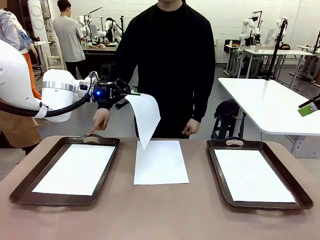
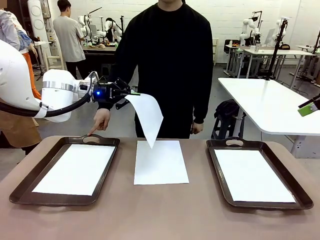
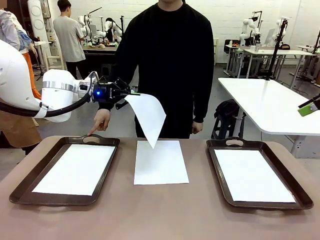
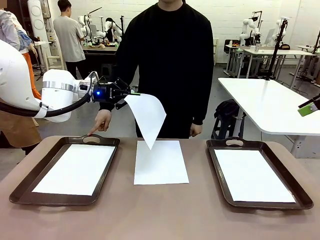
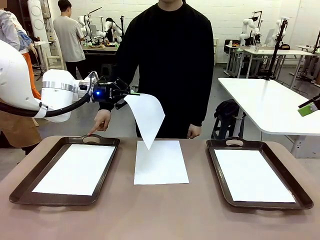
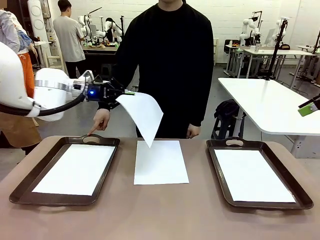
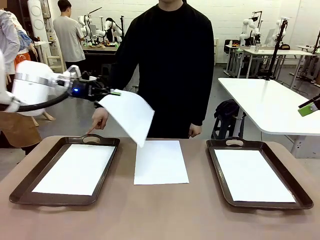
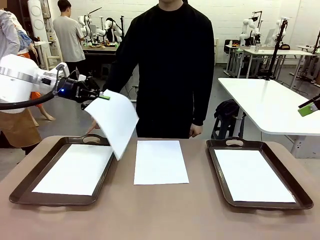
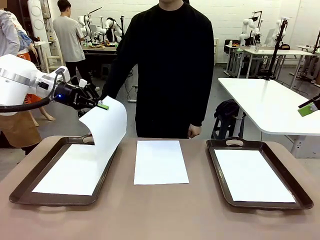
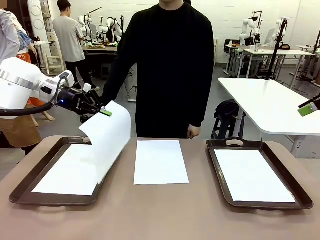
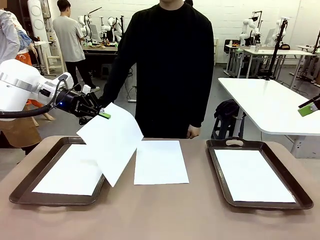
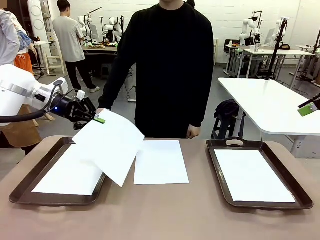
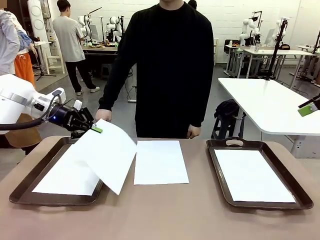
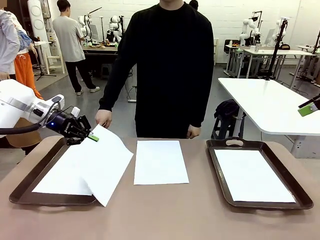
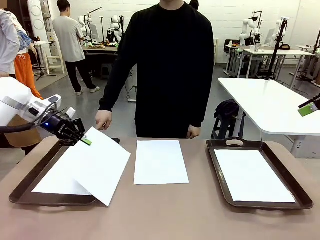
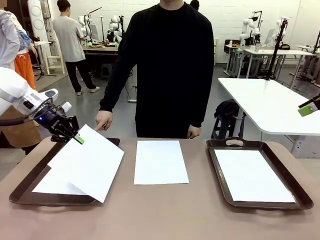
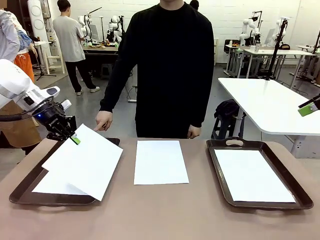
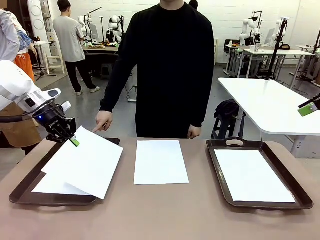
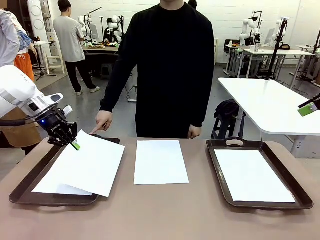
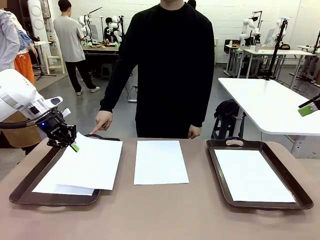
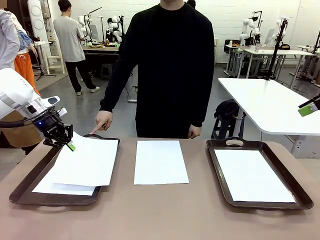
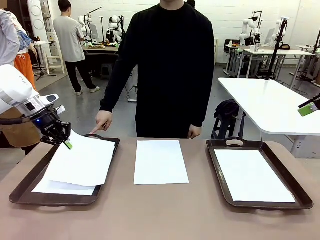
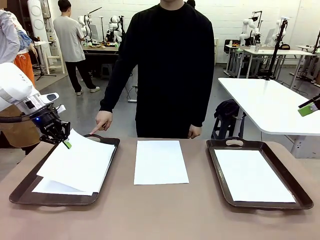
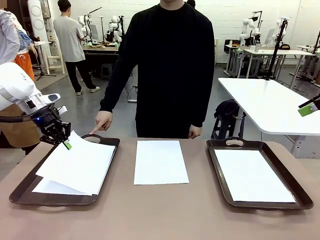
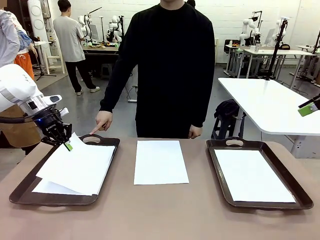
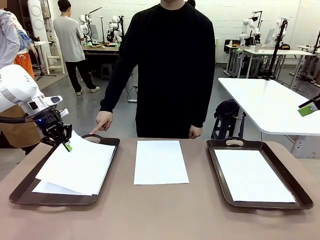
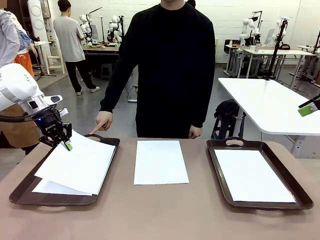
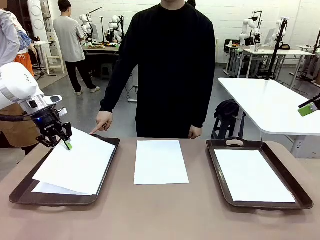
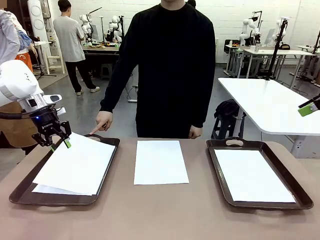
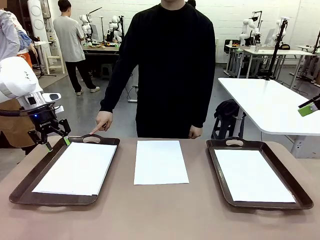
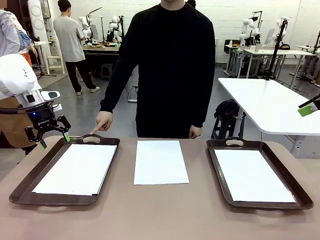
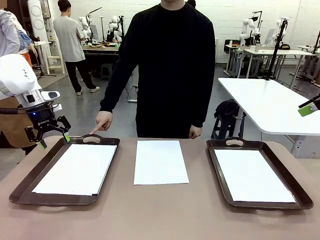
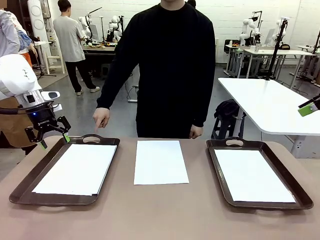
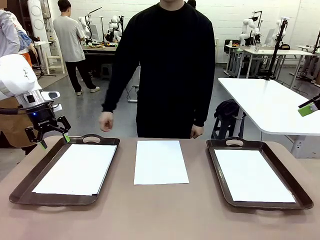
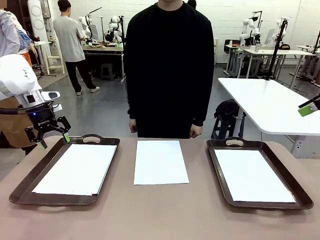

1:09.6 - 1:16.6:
Task: Sort the A4 documents.
Robot: Place the A4 Paper in the designated Handle tray.

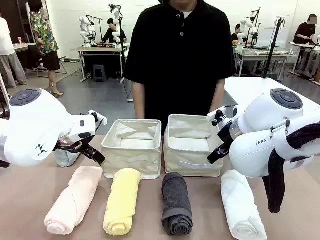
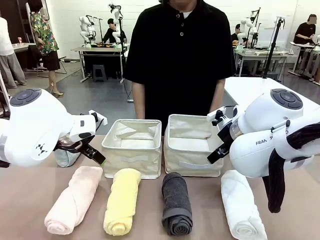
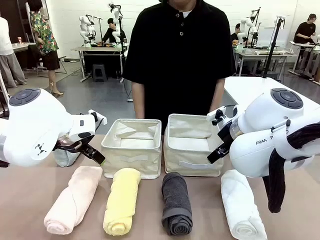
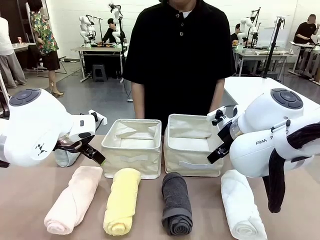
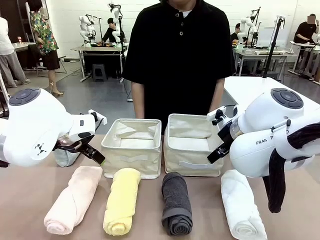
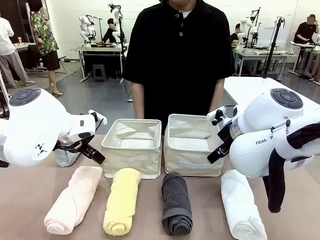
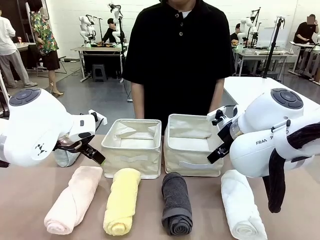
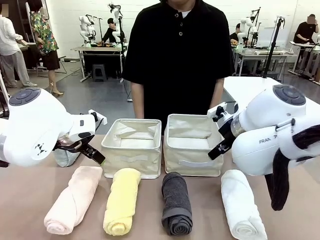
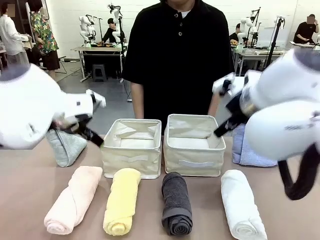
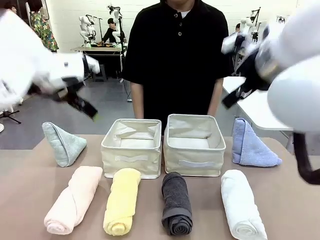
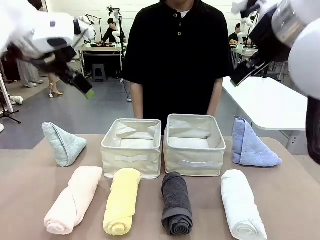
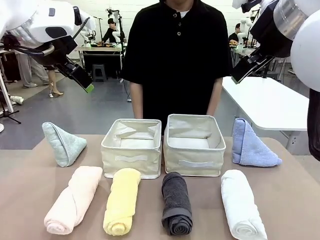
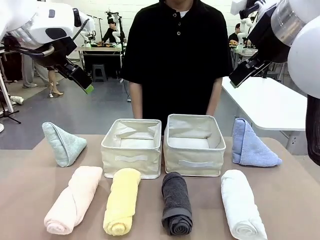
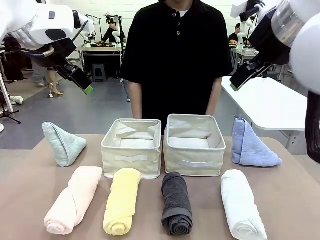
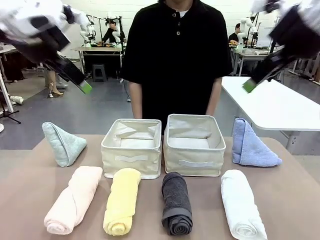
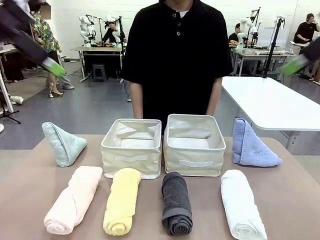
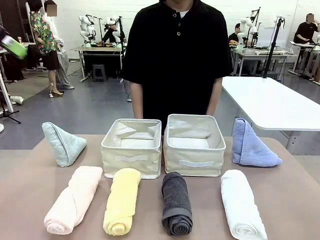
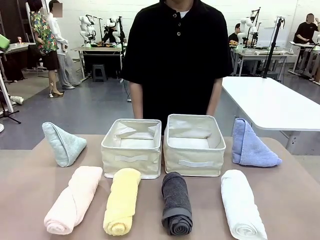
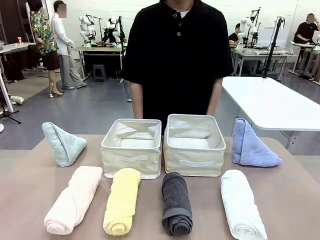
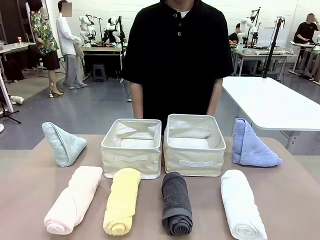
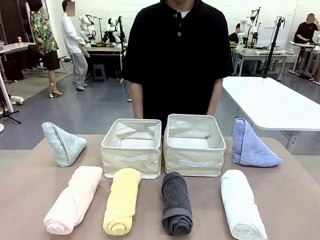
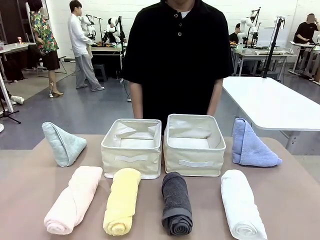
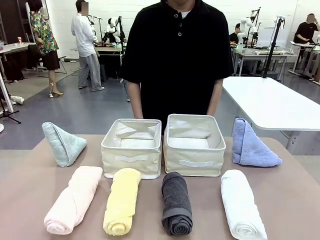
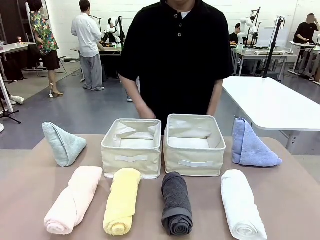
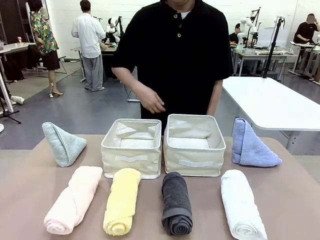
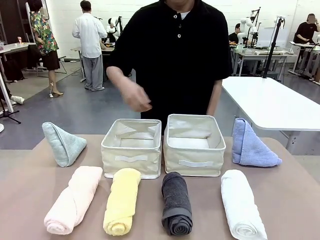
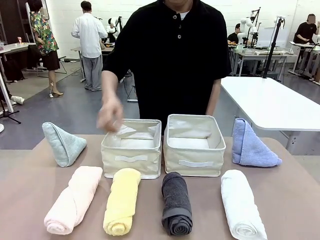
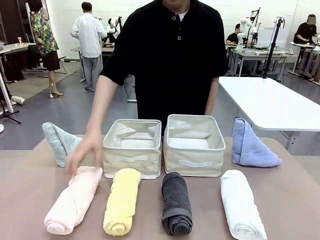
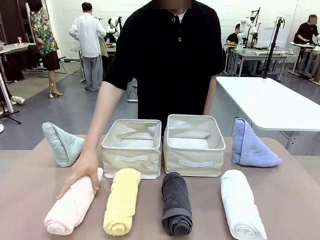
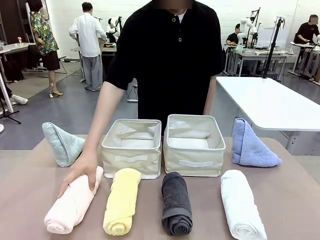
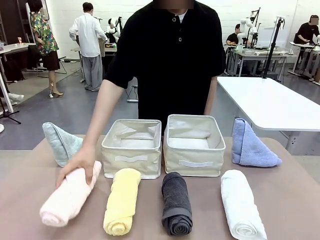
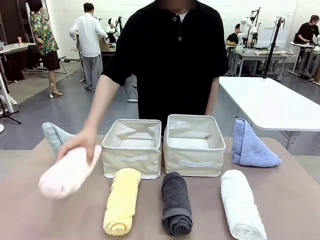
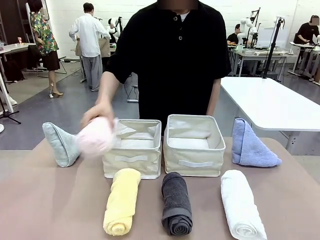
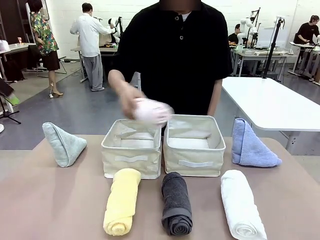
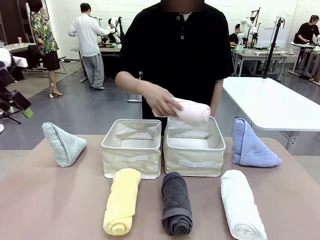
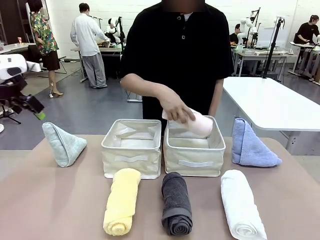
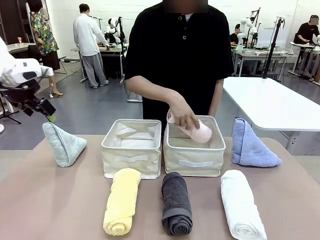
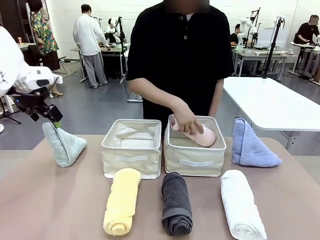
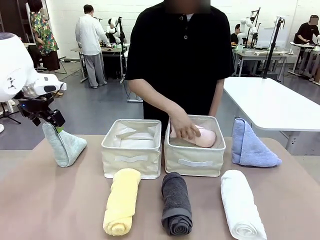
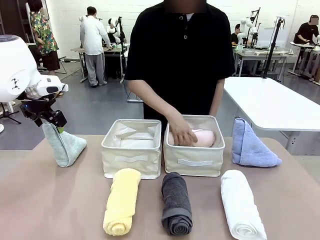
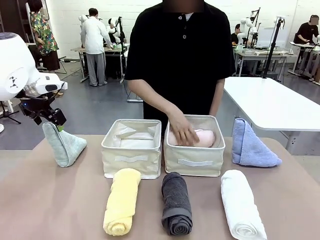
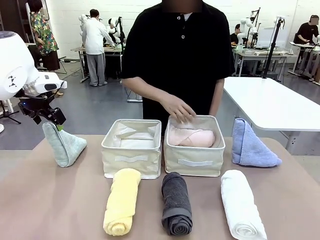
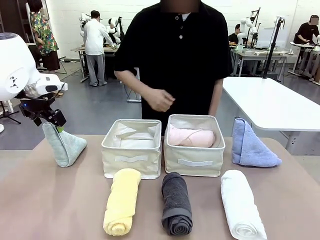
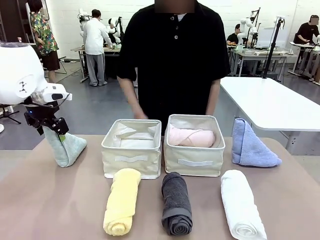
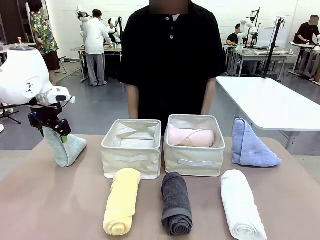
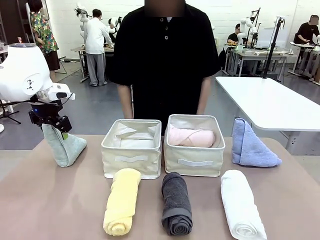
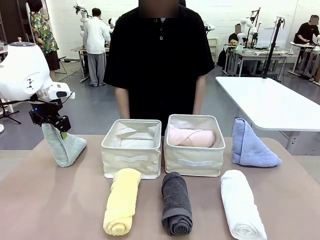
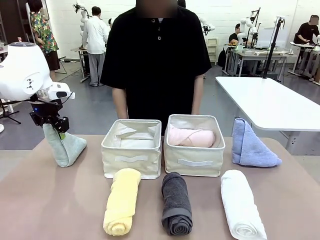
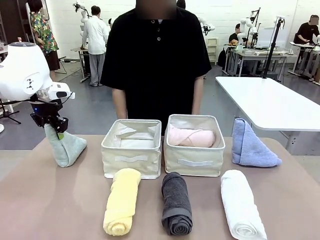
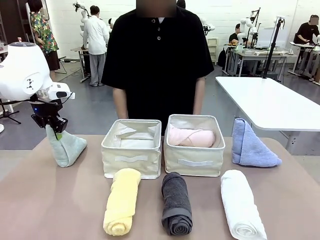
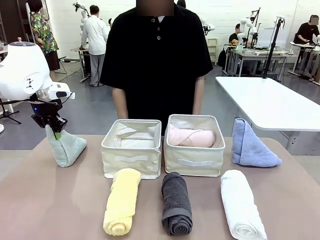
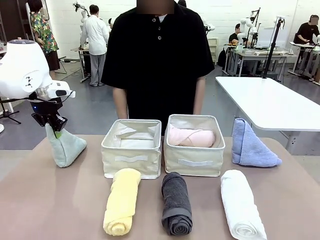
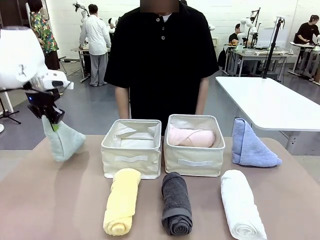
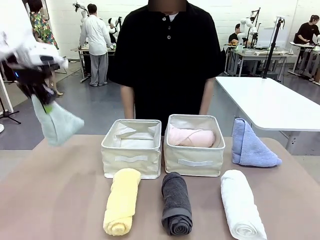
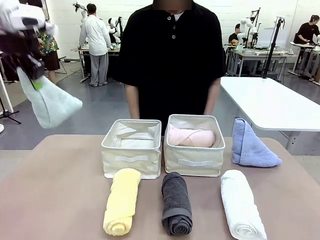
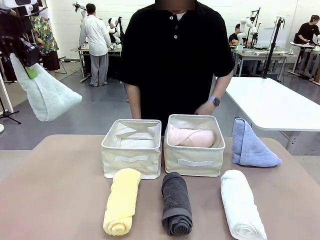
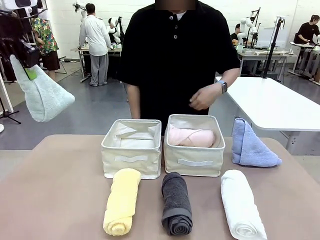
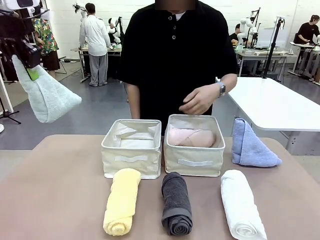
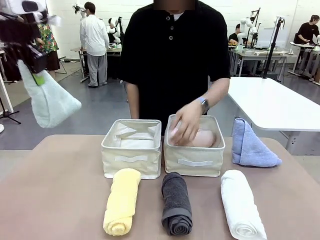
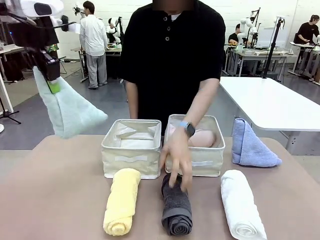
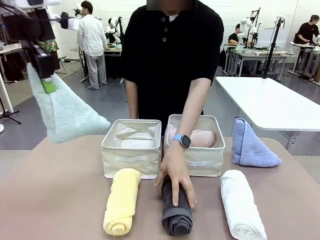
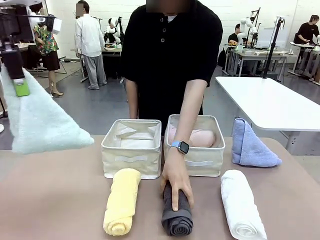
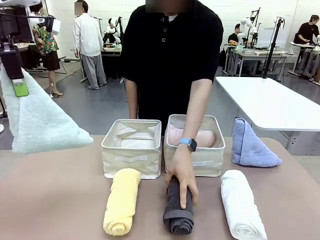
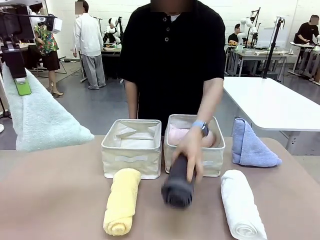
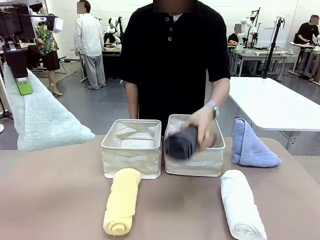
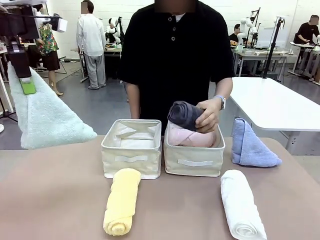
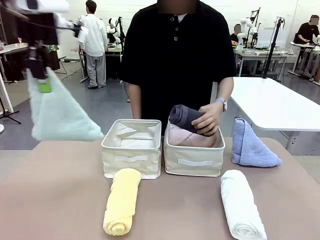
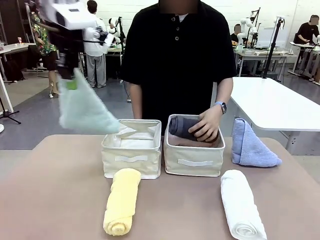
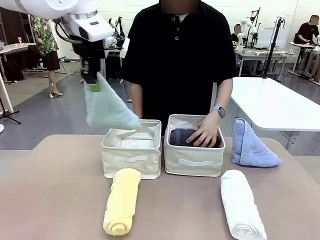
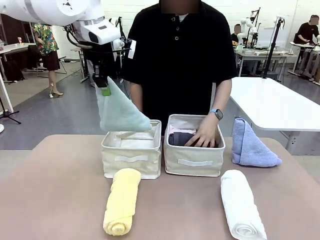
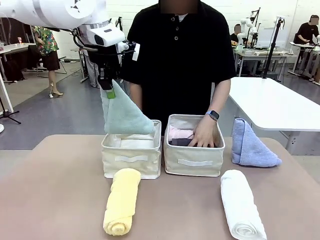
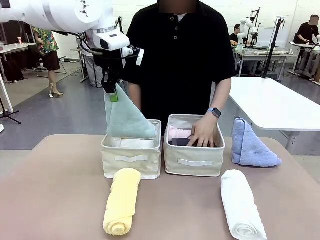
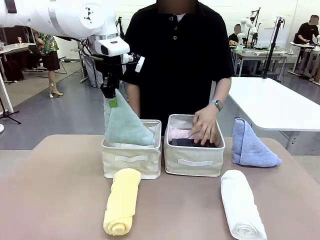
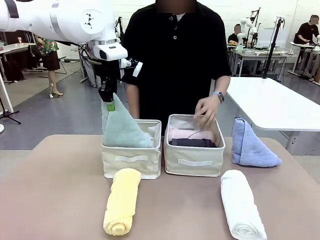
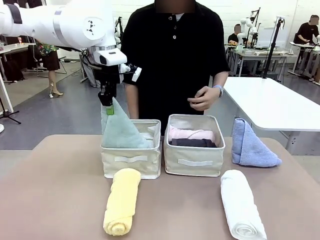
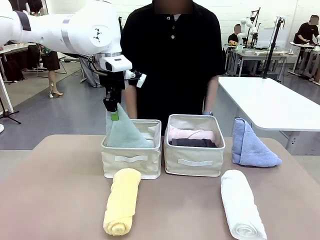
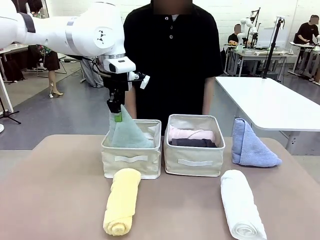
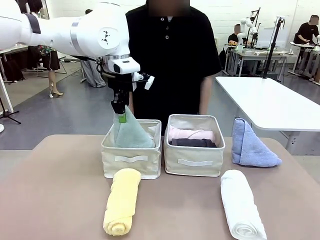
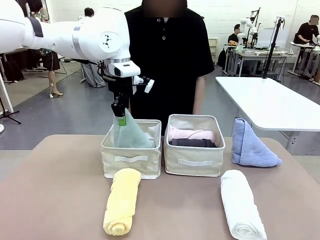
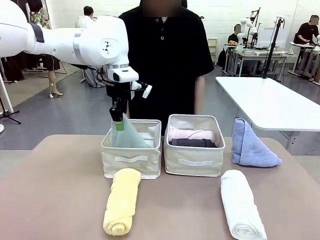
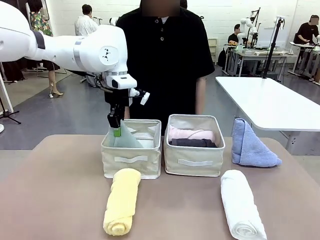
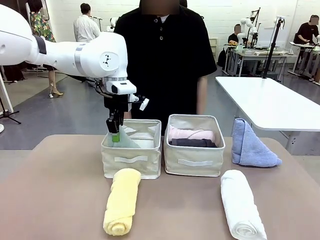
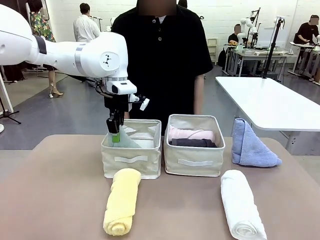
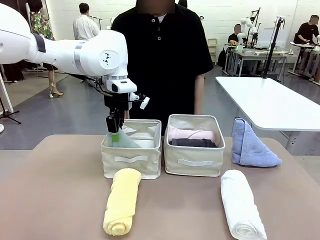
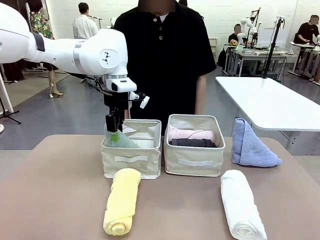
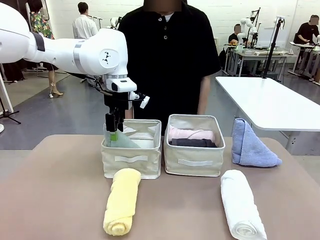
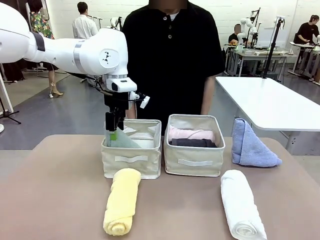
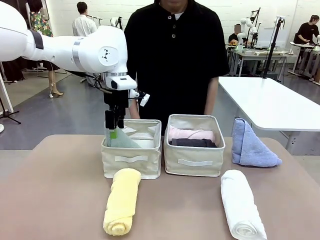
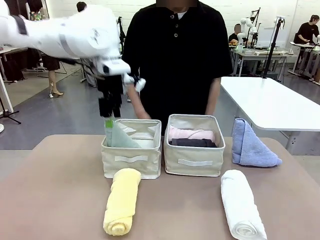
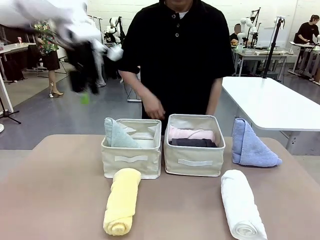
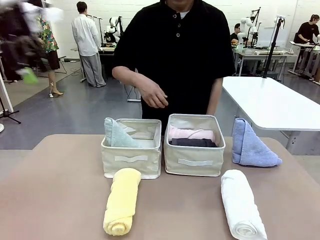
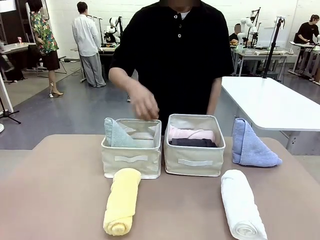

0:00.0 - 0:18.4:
Task: Sort the towels based on their folding style.
Robot: Pick up one triangle-folded towel and place it in the left Fabric basket.
Person: Pick up one hotel-style rolled towel and place it in the left fabric basket.
